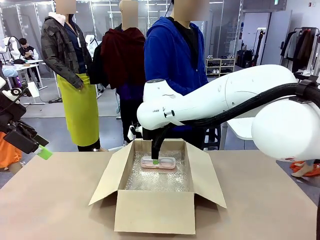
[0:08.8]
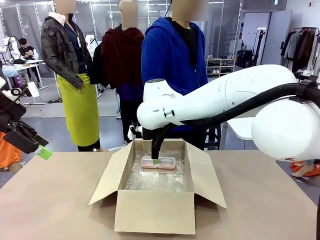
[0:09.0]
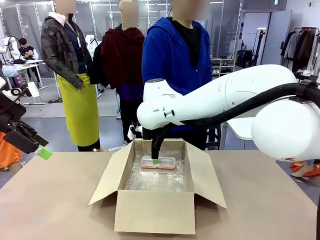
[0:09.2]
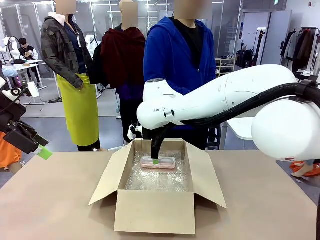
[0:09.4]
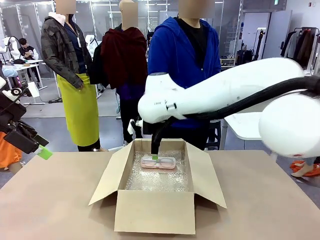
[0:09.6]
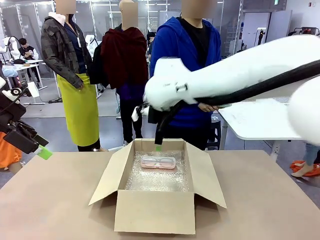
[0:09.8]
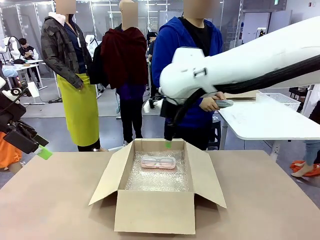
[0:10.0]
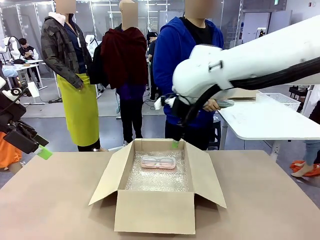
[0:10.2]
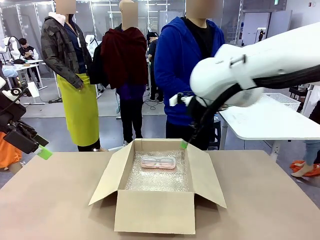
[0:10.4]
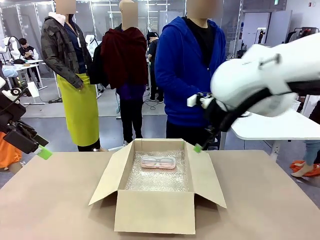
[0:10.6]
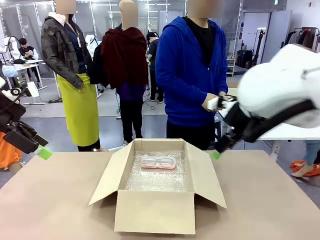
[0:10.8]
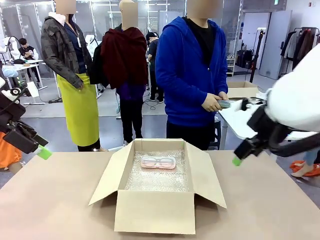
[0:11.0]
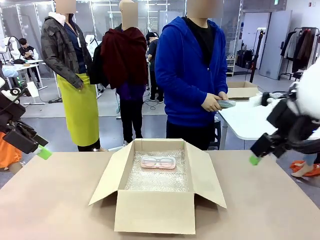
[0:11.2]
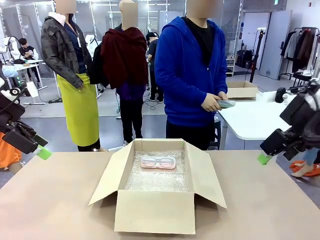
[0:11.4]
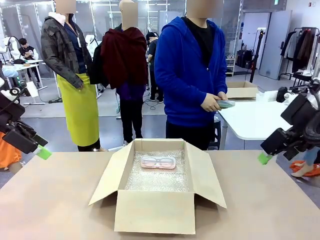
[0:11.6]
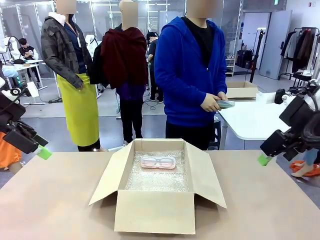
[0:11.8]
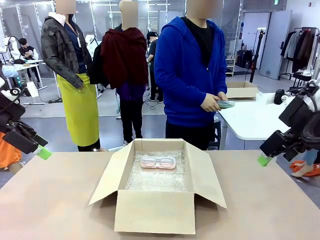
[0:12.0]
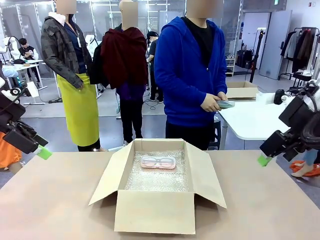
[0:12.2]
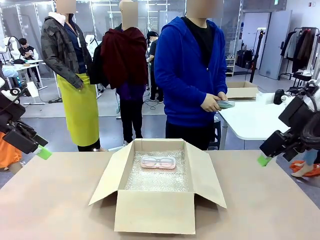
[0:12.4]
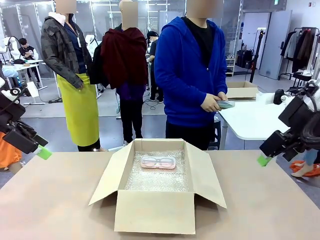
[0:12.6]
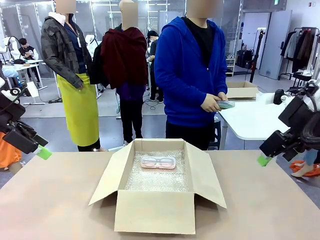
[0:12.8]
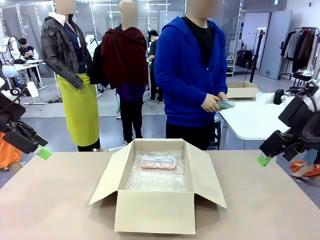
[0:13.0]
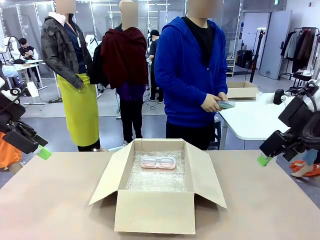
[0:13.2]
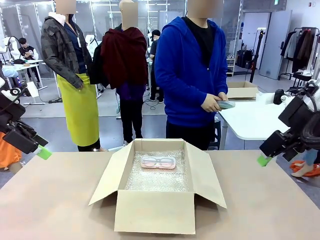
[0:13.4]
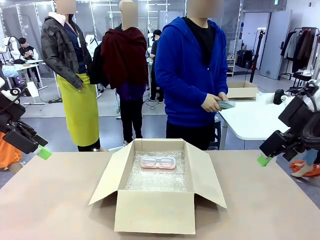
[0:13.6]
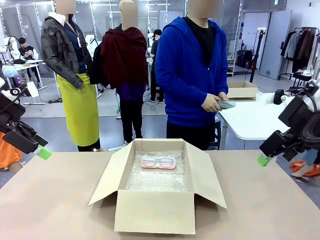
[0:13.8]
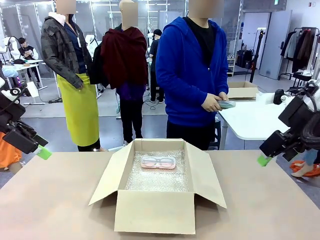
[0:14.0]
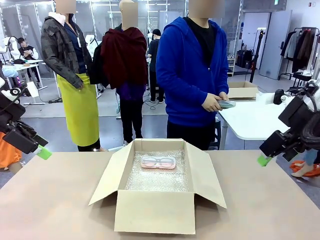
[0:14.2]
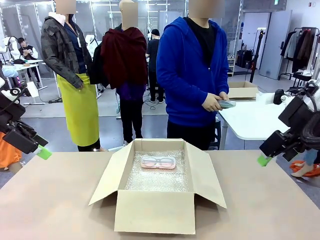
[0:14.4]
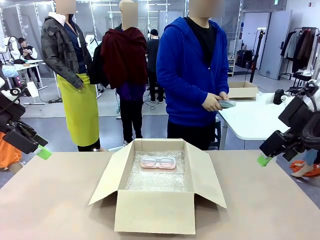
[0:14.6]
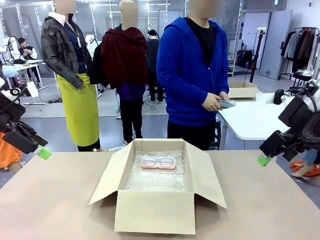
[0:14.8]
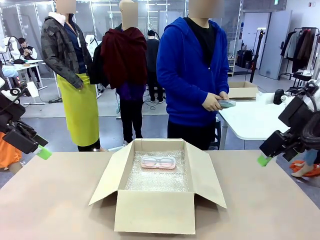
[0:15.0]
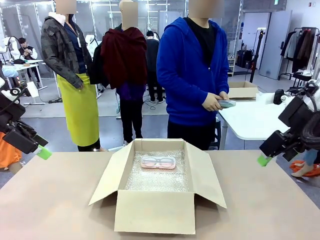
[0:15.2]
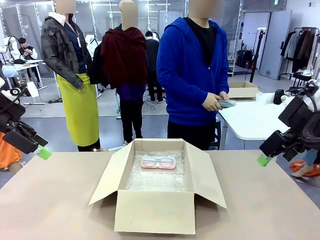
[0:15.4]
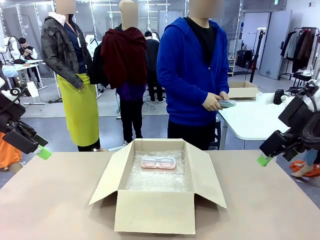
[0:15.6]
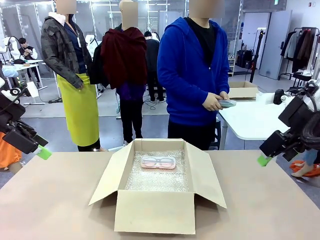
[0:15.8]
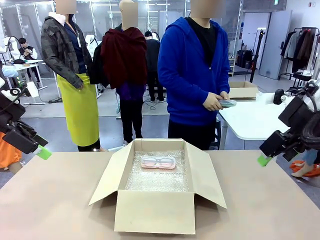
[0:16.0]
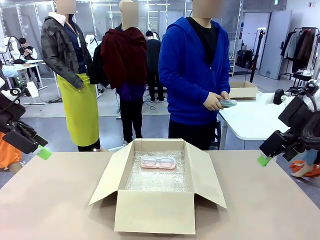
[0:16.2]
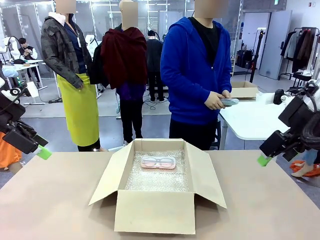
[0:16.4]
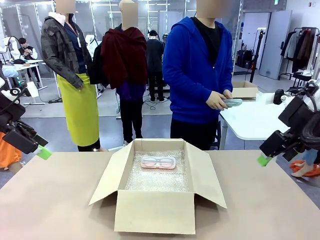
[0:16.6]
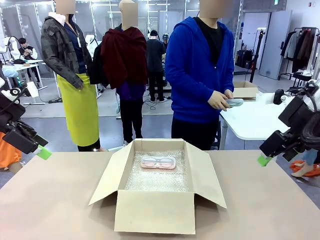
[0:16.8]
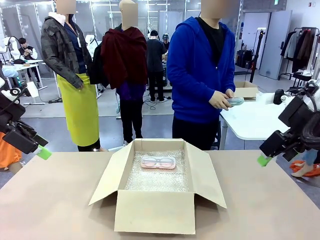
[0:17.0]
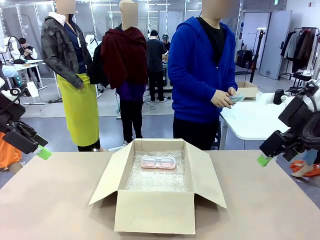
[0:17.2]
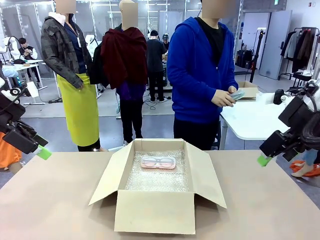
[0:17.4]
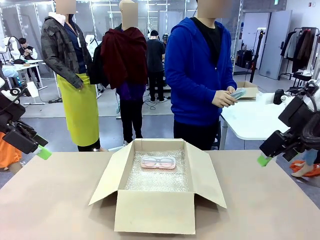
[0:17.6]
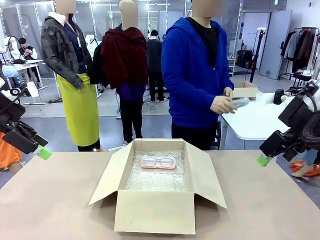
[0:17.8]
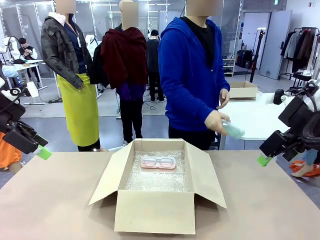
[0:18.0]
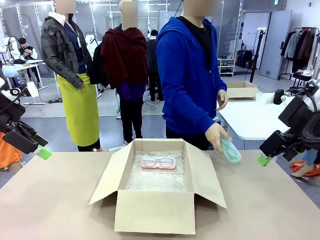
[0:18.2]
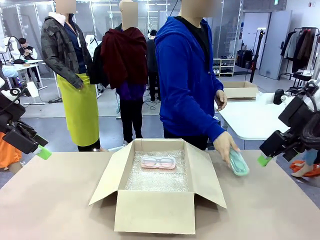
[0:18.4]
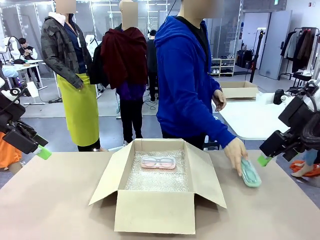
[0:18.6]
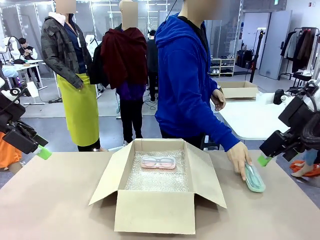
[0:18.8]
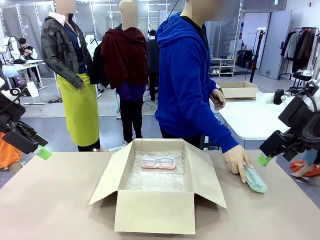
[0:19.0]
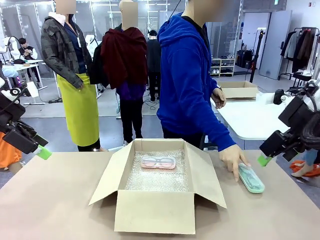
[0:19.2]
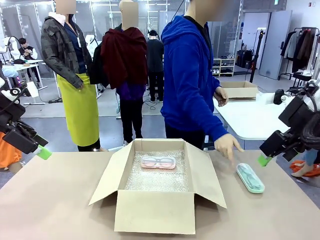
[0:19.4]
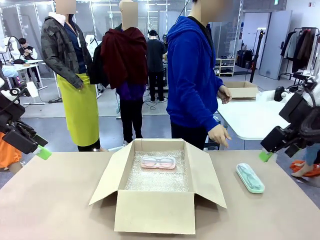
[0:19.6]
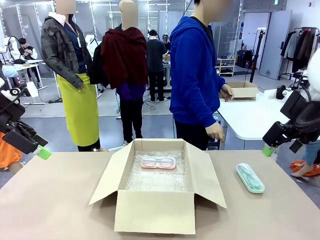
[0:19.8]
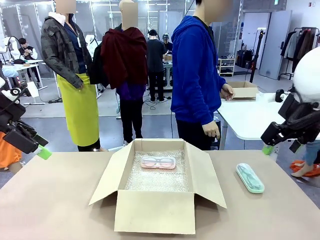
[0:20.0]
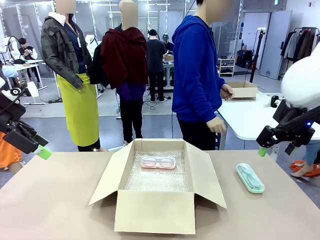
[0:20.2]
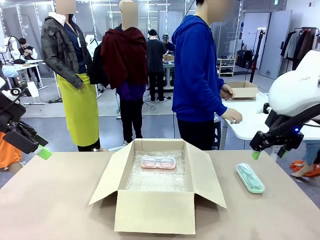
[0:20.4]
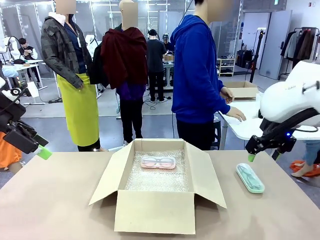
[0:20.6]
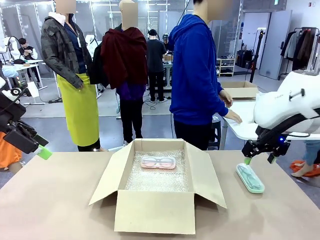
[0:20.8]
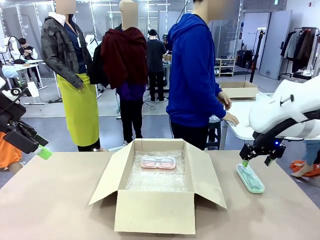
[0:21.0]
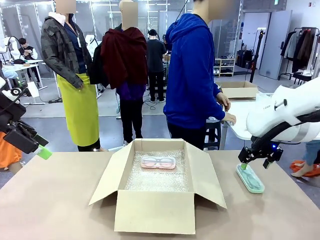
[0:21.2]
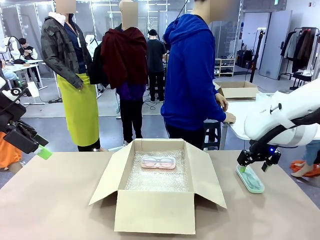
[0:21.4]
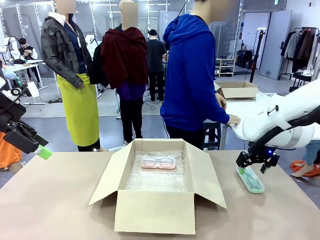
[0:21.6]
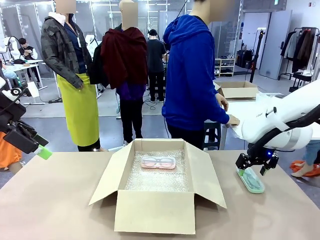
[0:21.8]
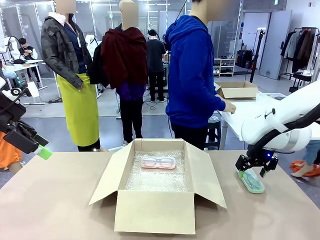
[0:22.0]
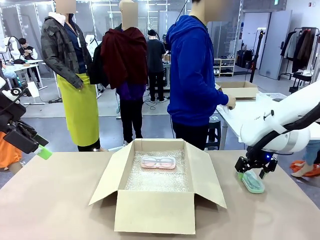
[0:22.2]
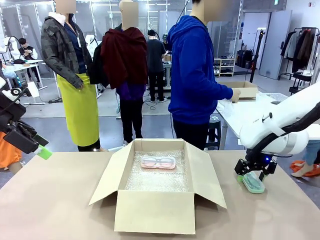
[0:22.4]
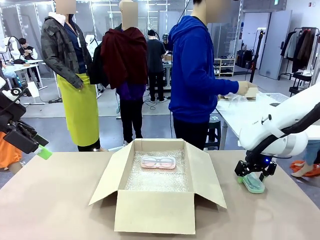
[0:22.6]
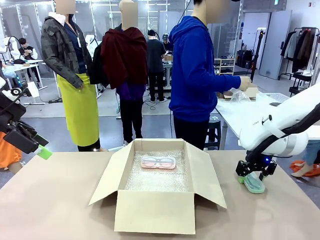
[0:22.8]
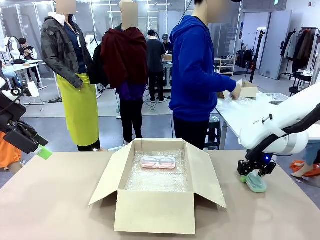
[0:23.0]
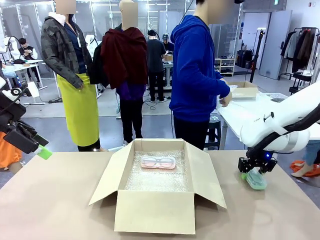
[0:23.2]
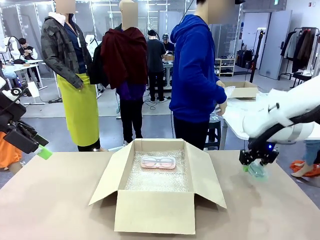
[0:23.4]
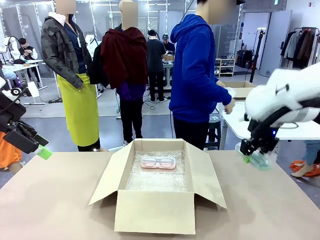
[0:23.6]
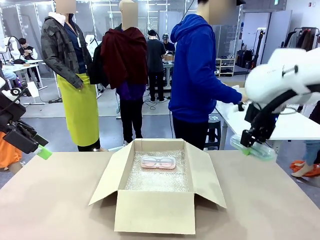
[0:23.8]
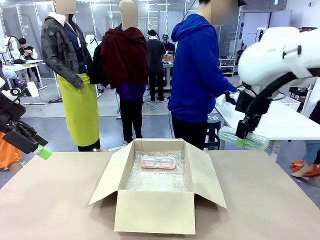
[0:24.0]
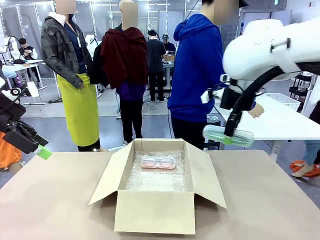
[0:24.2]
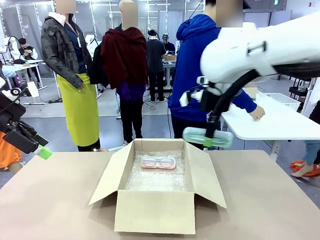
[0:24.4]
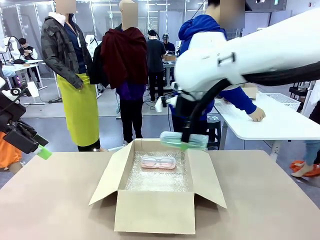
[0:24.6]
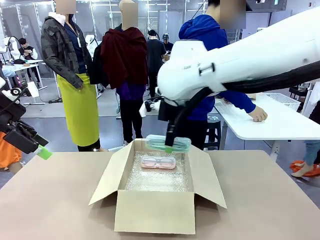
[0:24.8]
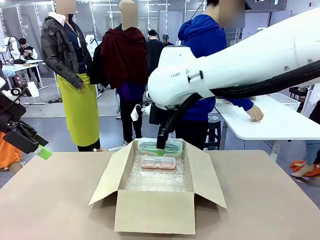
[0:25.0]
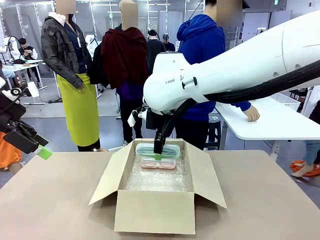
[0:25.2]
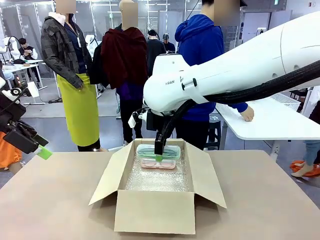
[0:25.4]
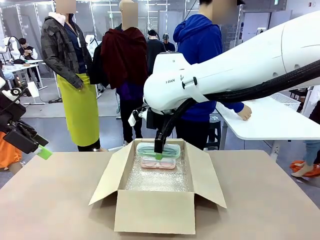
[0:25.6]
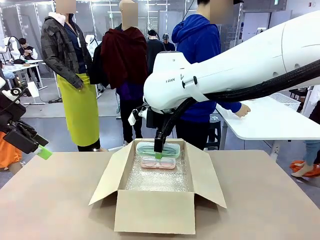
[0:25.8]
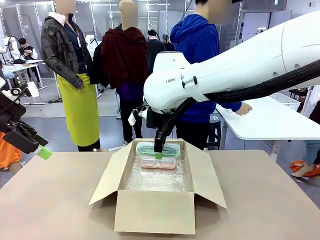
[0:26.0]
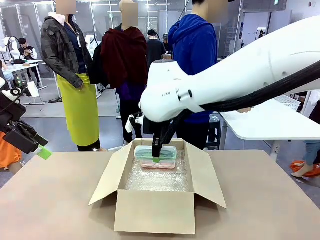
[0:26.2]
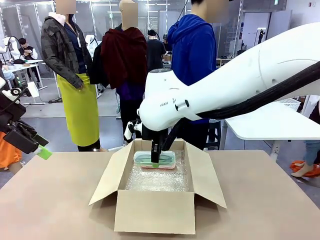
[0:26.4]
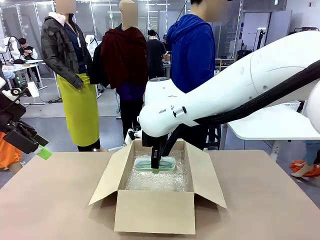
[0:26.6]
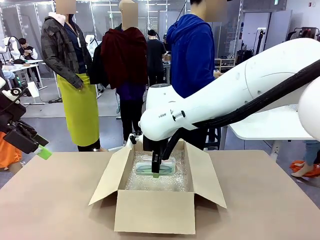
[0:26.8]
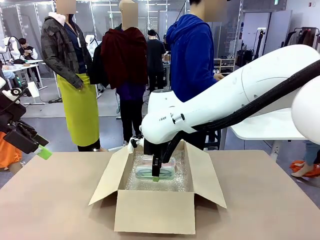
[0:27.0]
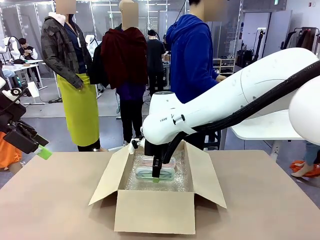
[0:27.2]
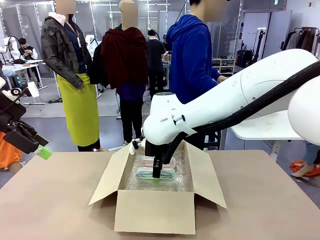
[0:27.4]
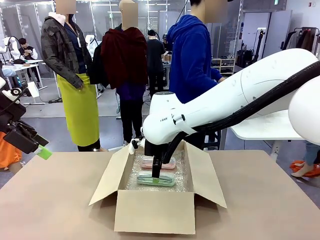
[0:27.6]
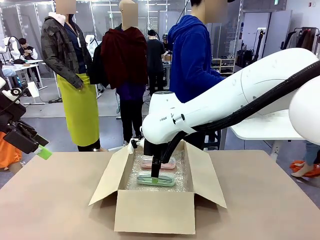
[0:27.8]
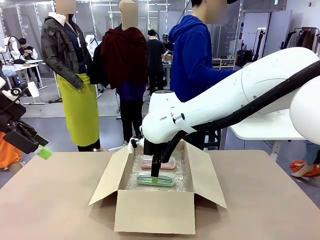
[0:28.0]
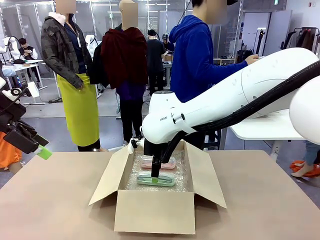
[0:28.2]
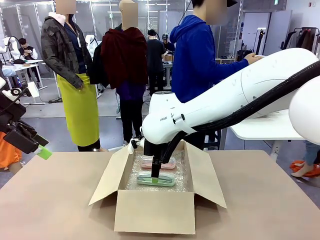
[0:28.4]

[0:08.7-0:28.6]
Task: Pack the glasses set securely to prepare it for shipping.
Robot: Put the Glasses case from the right side of the table into the Package Box.
Person: Position the Glasses case on the left side of the robot's table.
